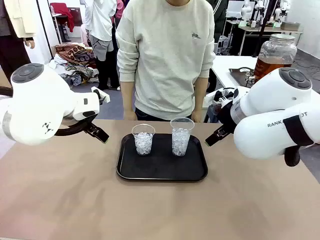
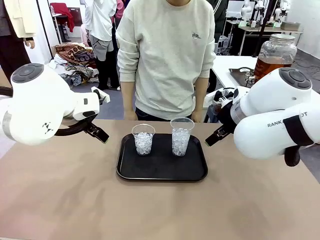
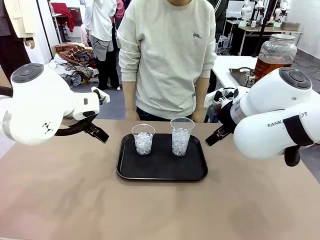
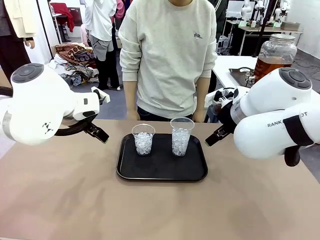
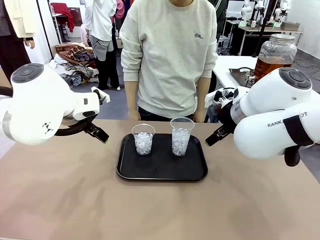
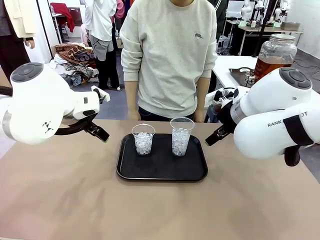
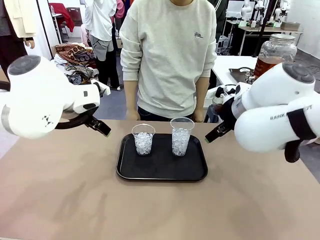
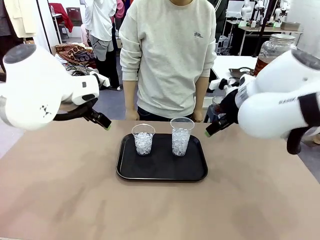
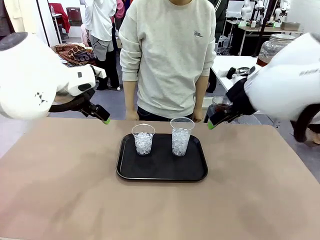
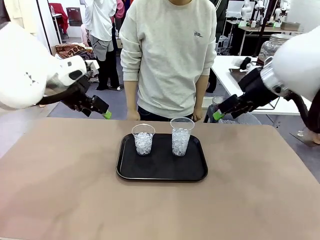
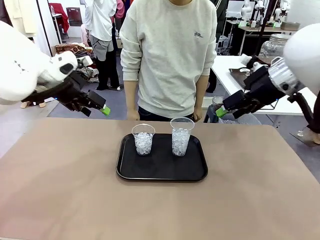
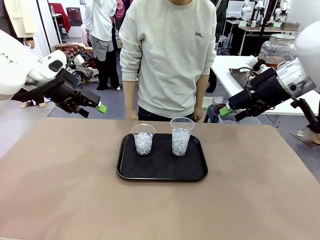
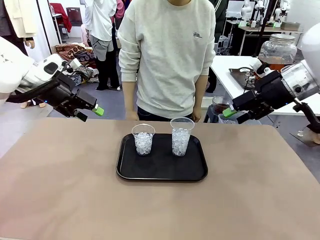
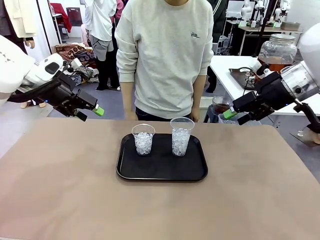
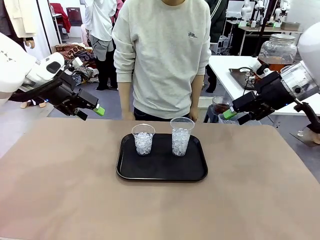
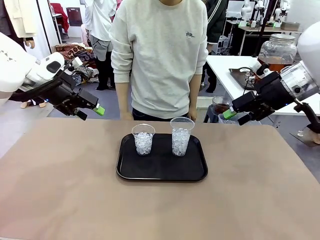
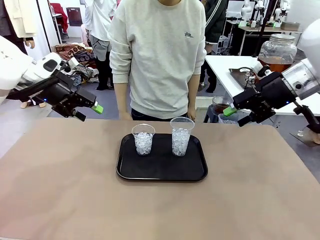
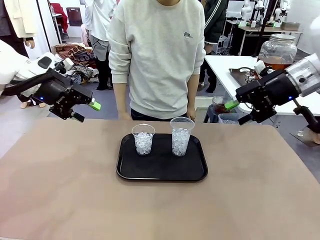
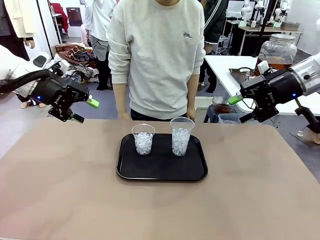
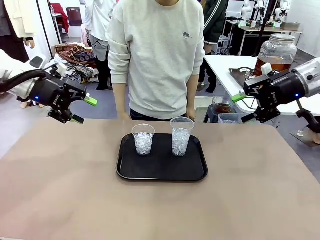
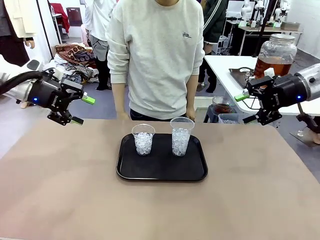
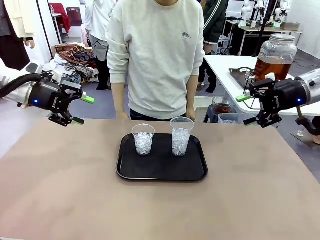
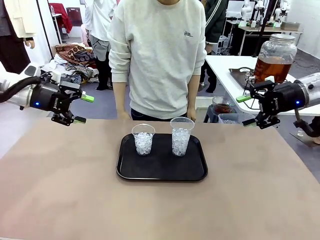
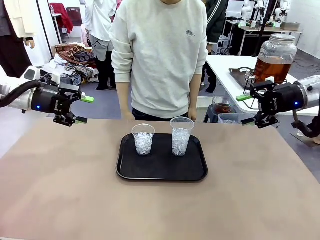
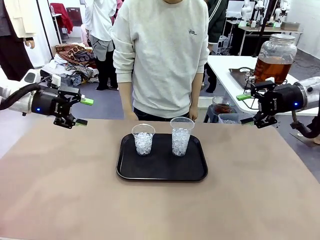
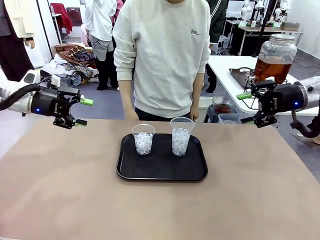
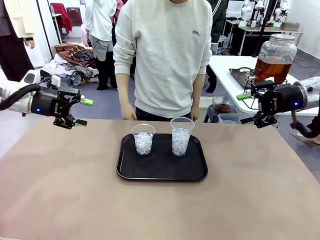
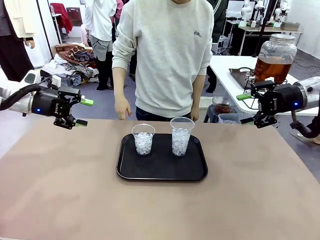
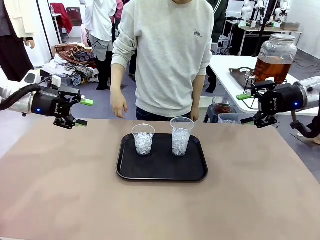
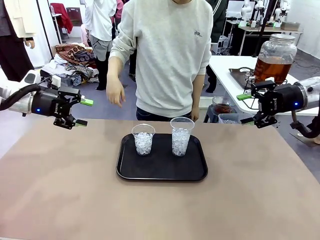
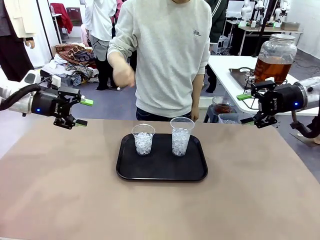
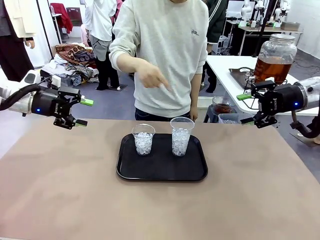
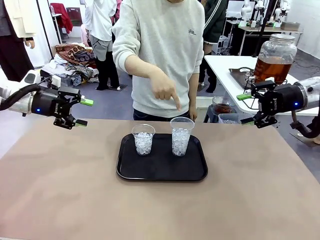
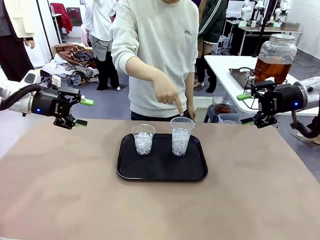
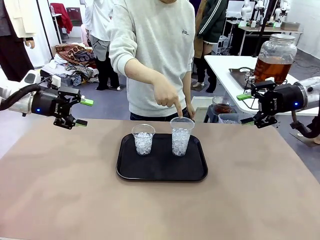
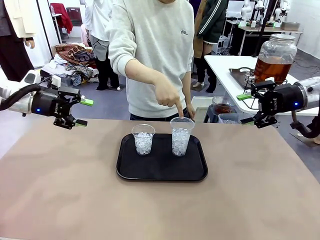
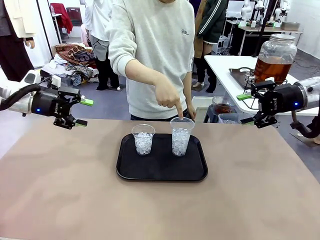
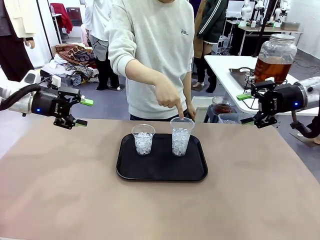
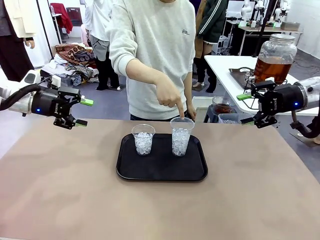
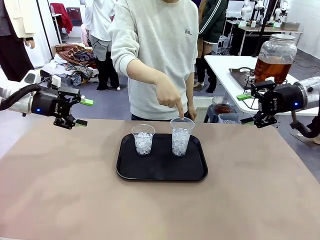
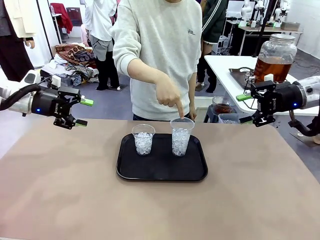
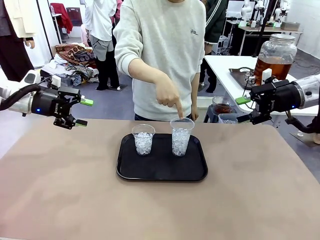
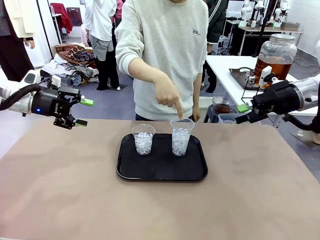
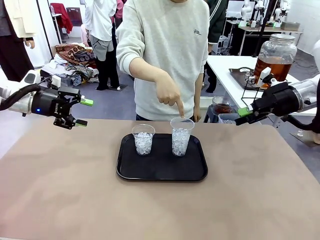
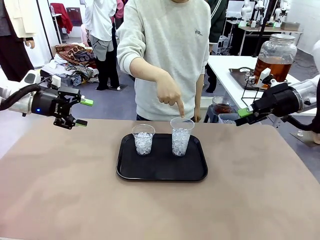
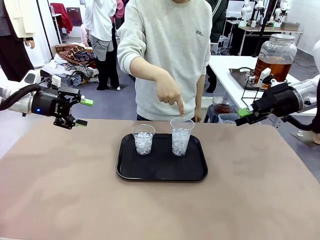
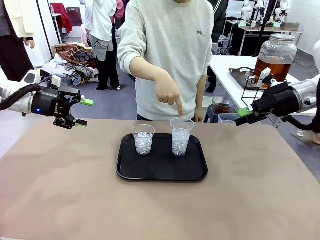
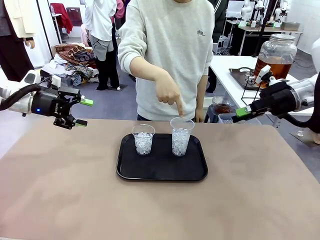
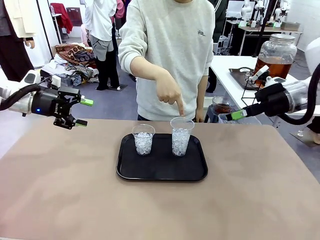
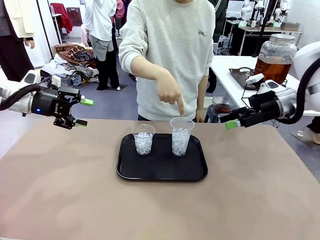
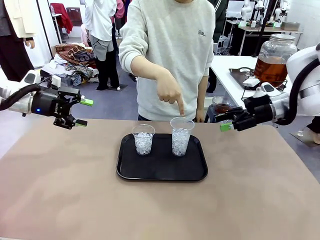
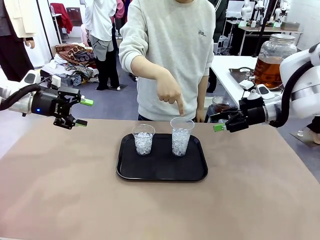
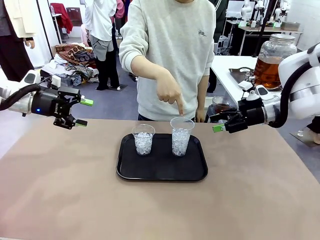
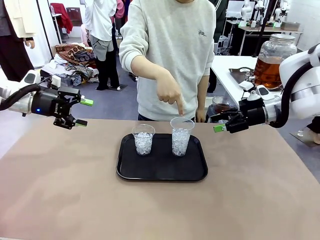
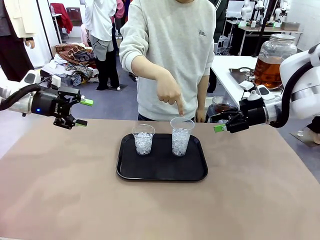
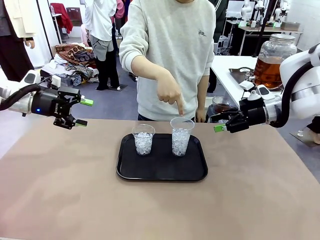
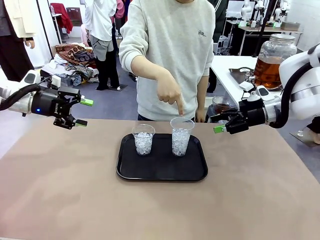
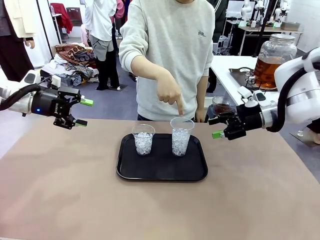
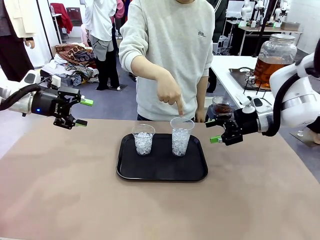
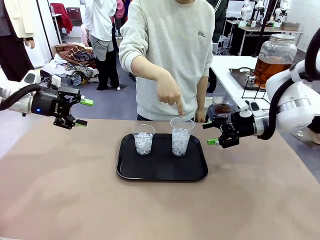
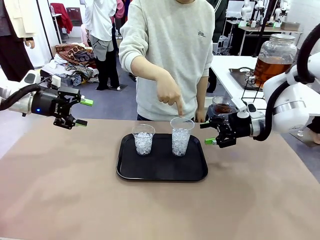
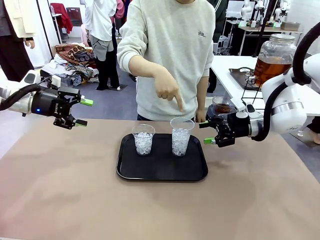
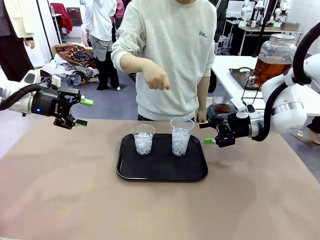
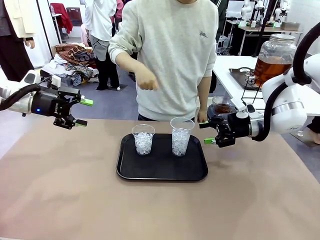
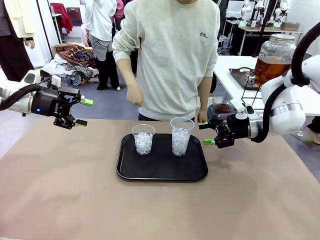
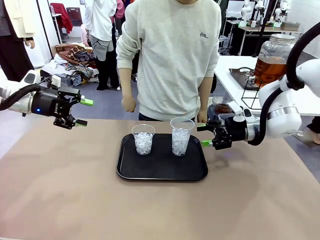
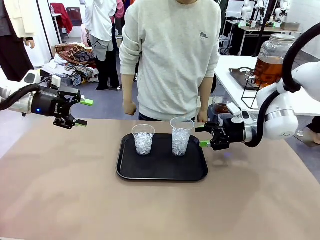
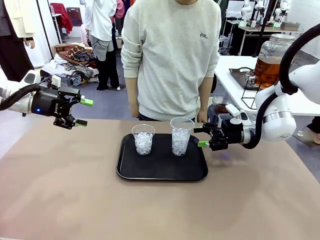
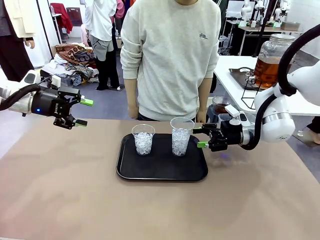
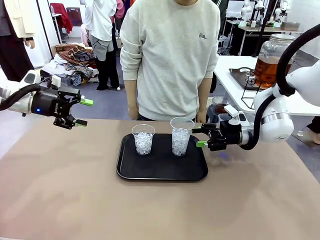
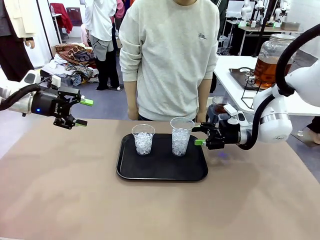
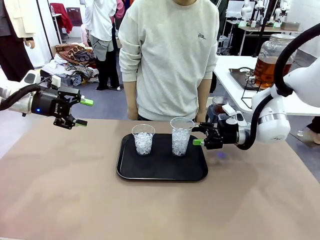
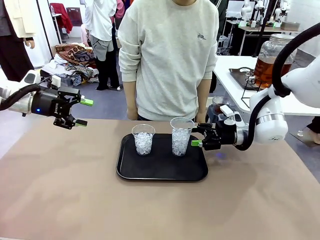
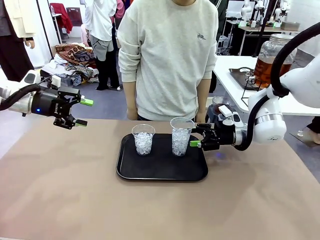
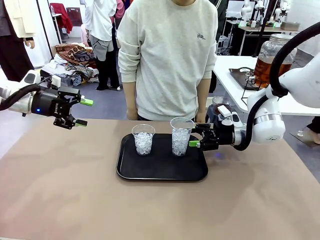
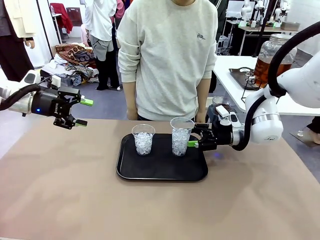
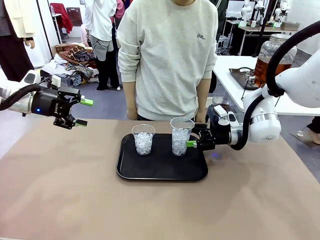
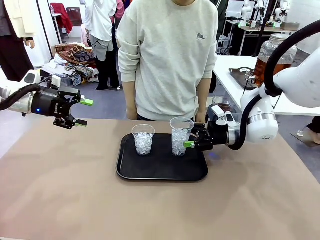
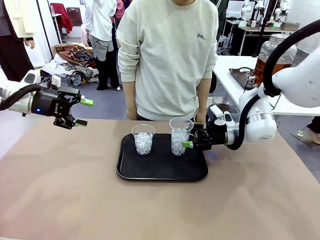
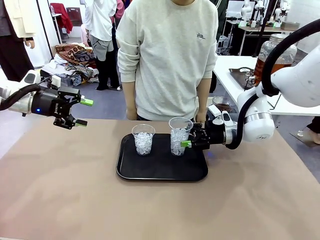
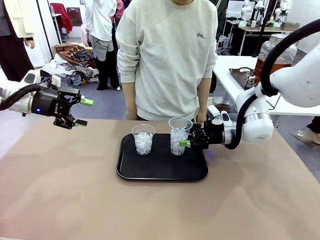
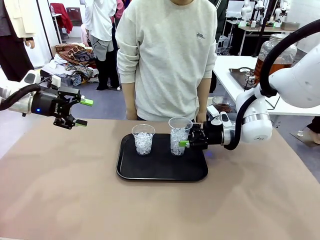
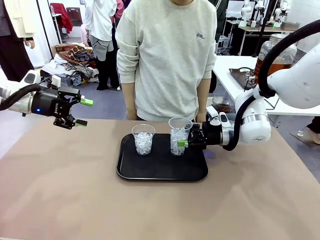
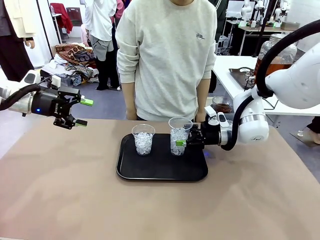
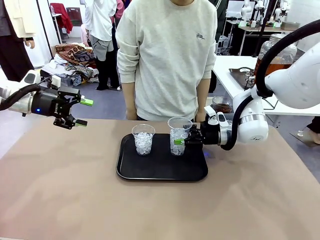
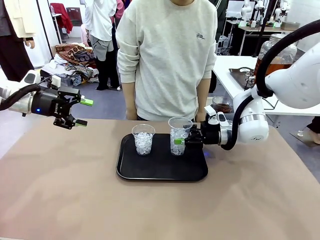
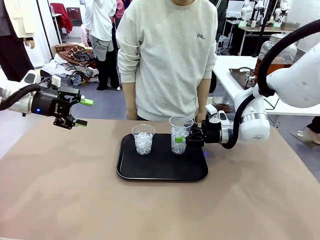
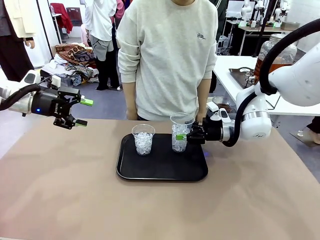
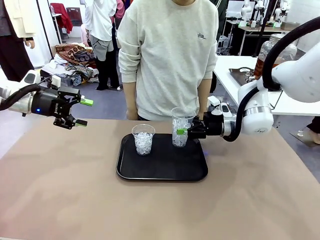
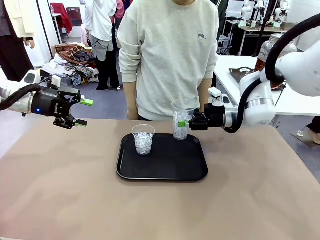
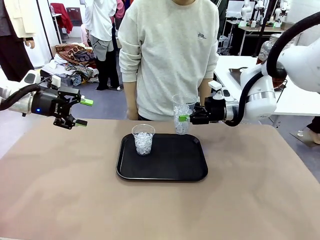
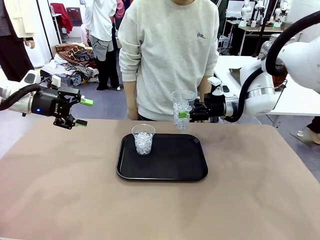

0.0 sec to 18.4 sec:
Task: Pour the drink into the iced cup.
Robot: Pick up the iced cup indicated by the human and present it to them.
Person: Point to one of the two ice cups. Pick up the cup offered by the robot.

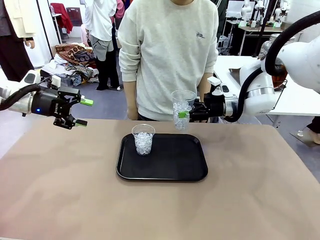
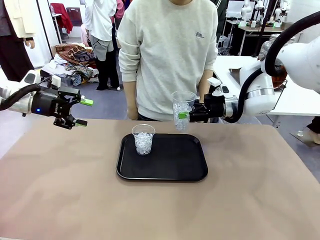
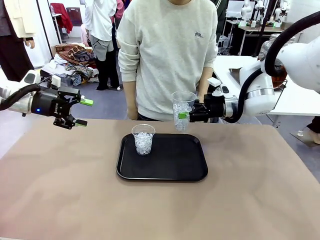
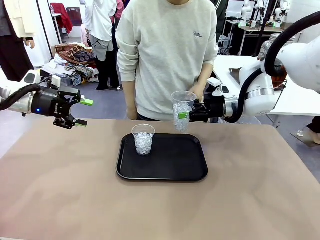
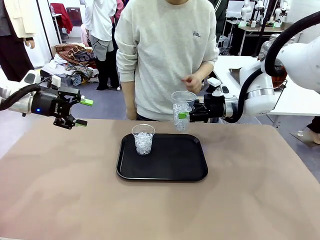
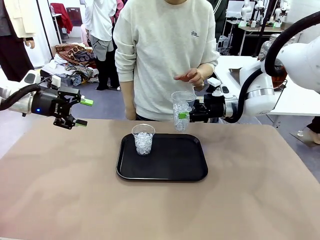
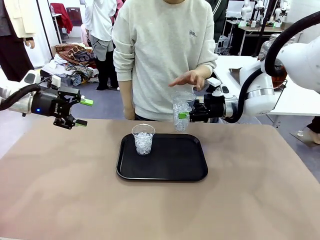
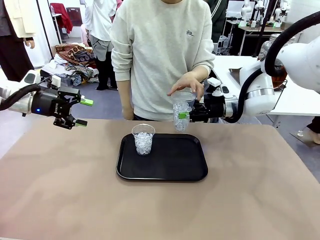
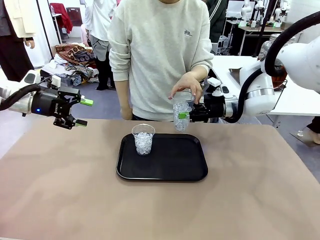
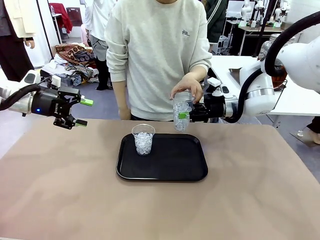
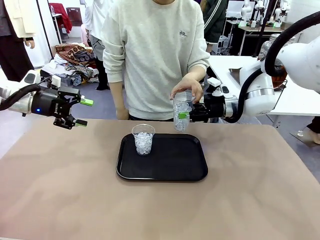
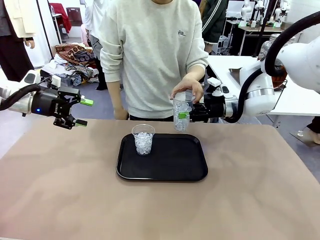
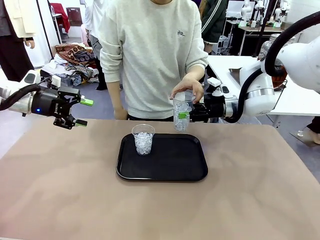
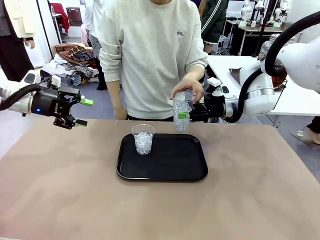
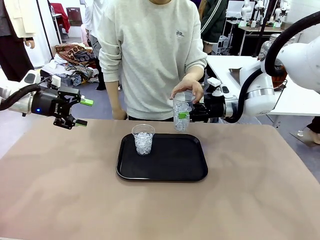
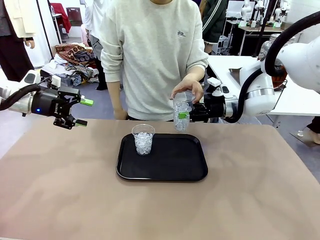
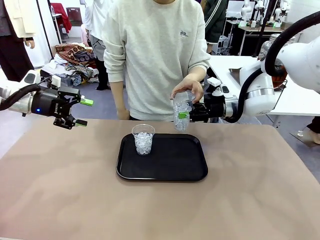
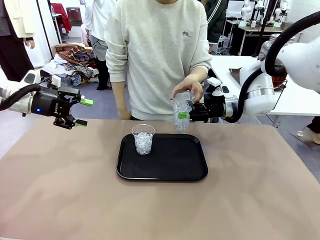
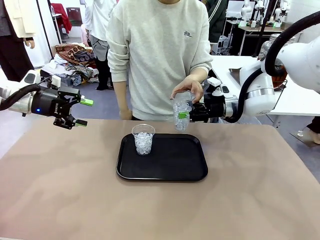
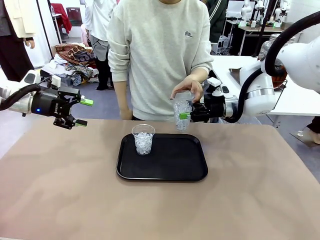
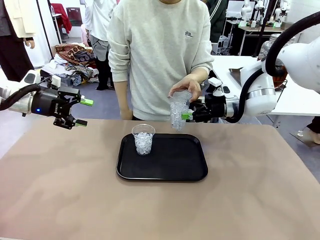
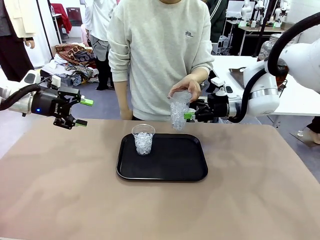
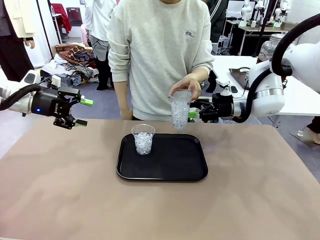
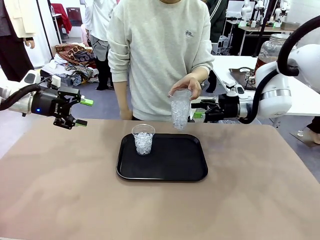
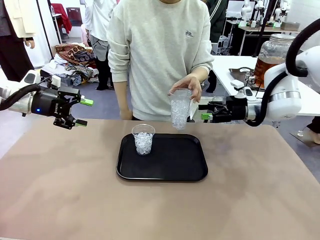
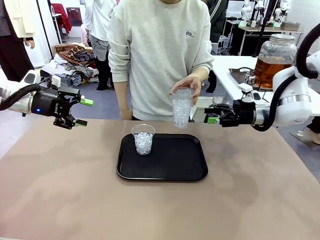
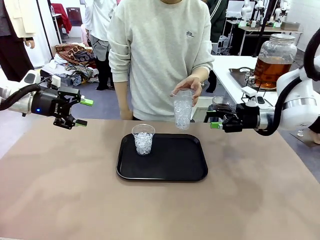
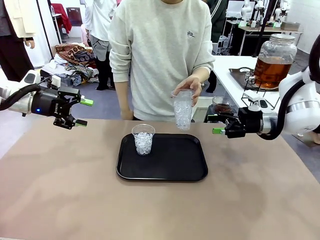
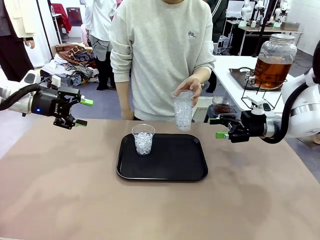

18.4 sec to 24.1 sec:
Robot: Open the gripper to release the iced cup you were holding.
